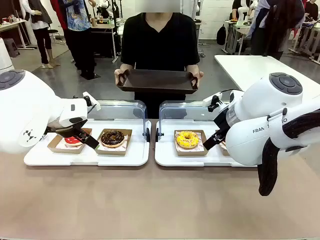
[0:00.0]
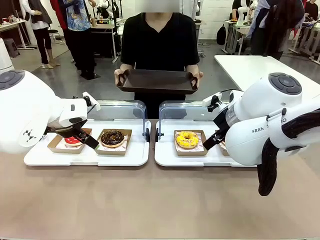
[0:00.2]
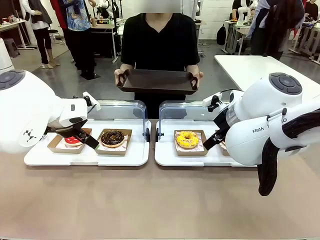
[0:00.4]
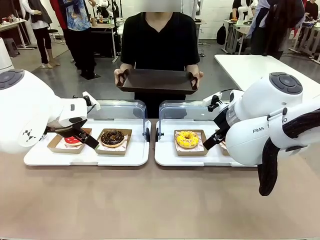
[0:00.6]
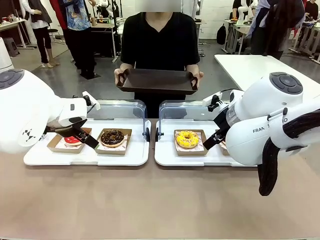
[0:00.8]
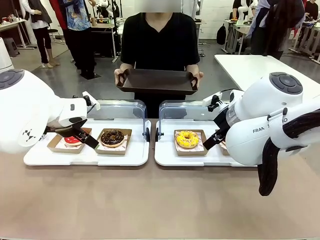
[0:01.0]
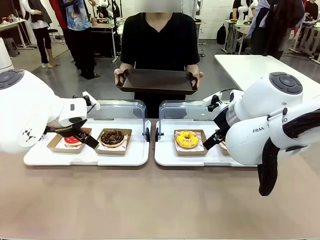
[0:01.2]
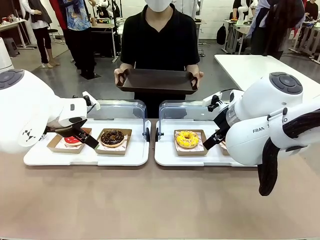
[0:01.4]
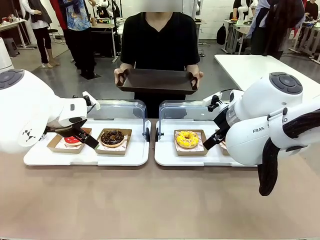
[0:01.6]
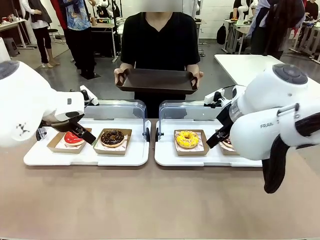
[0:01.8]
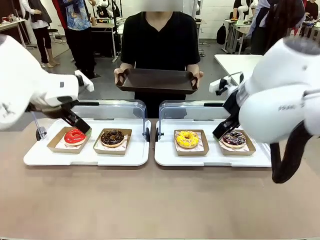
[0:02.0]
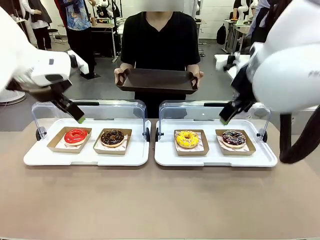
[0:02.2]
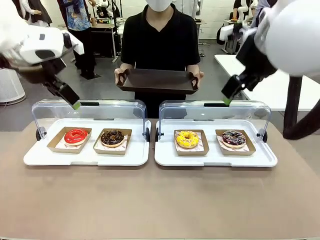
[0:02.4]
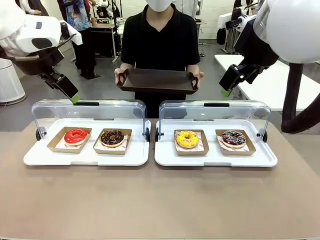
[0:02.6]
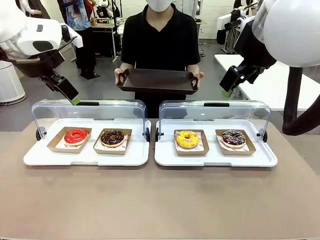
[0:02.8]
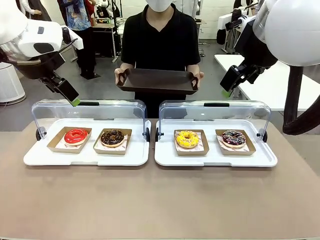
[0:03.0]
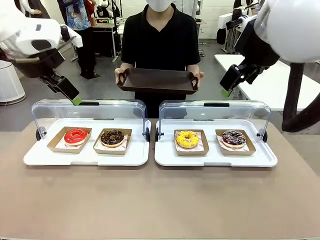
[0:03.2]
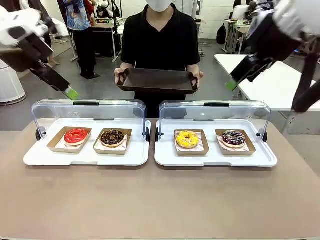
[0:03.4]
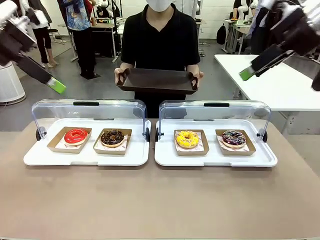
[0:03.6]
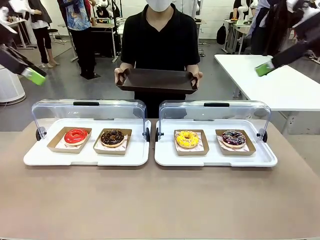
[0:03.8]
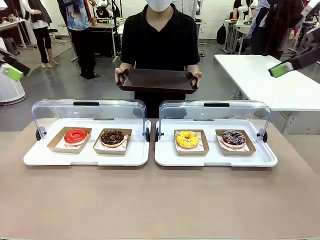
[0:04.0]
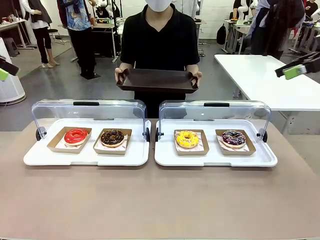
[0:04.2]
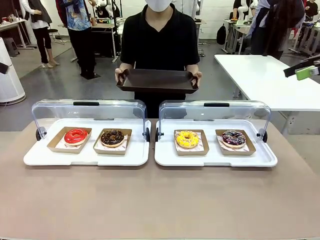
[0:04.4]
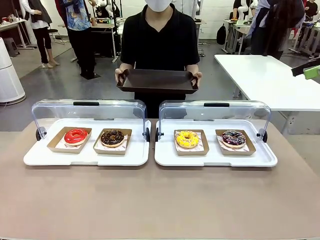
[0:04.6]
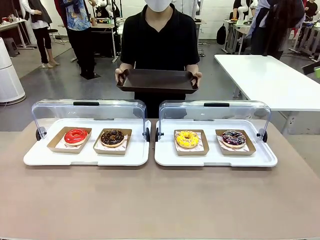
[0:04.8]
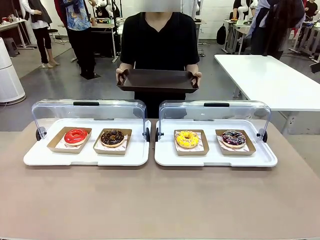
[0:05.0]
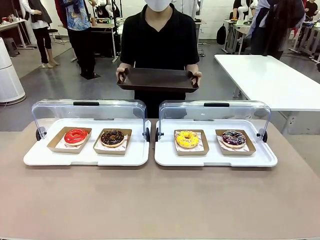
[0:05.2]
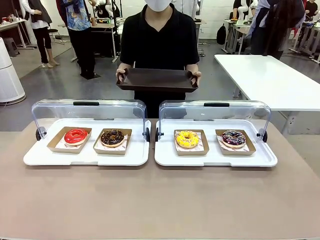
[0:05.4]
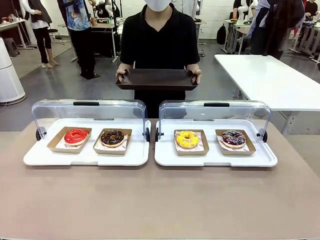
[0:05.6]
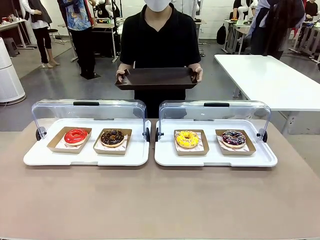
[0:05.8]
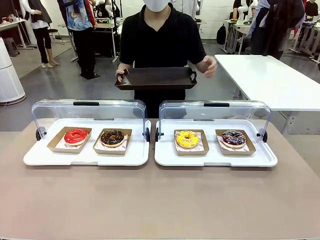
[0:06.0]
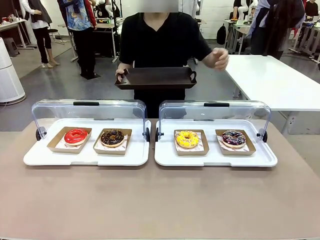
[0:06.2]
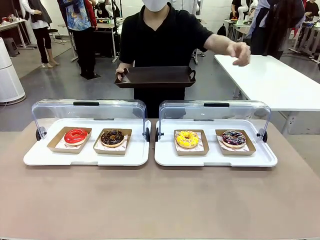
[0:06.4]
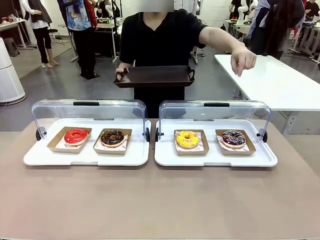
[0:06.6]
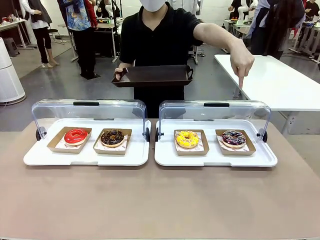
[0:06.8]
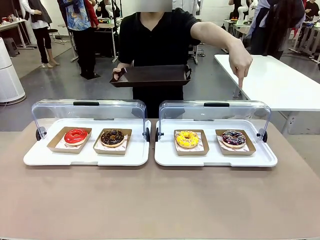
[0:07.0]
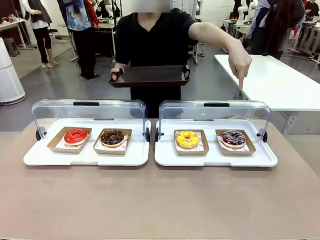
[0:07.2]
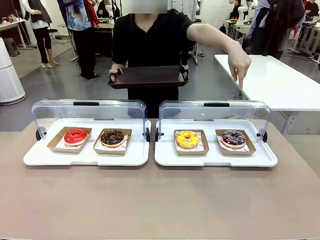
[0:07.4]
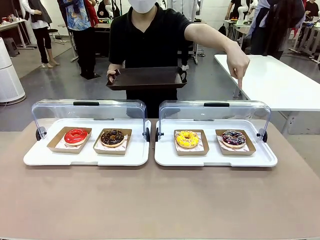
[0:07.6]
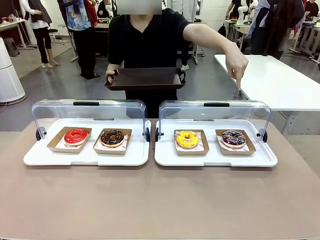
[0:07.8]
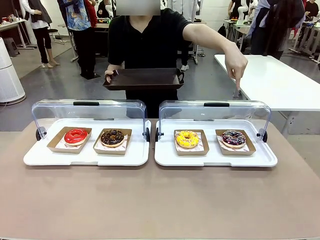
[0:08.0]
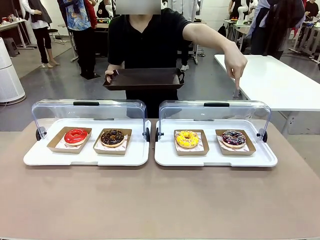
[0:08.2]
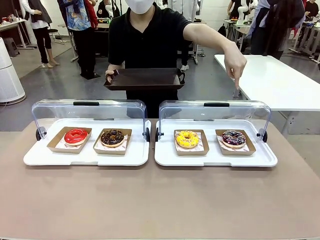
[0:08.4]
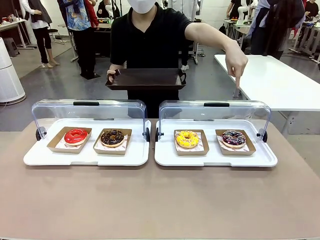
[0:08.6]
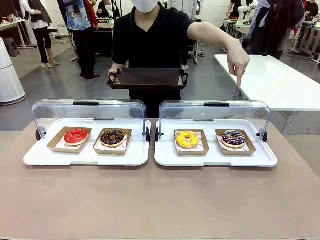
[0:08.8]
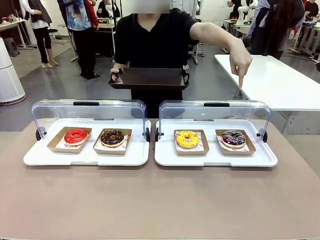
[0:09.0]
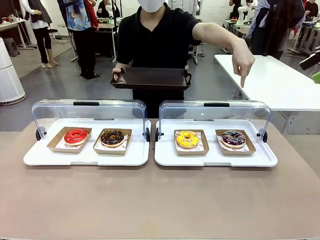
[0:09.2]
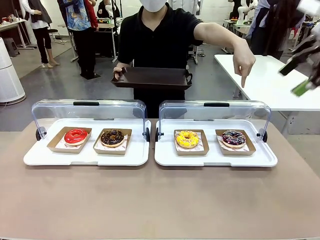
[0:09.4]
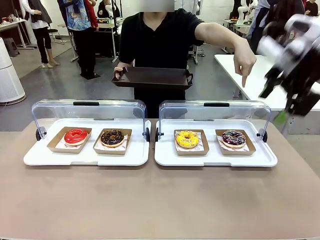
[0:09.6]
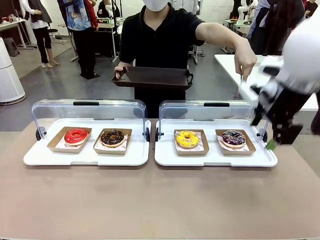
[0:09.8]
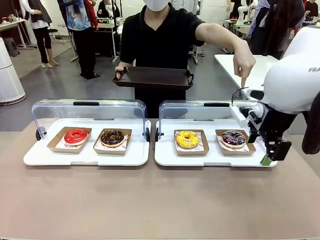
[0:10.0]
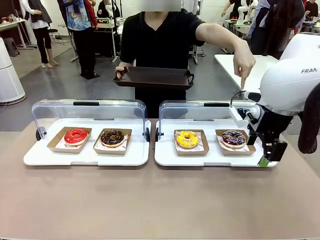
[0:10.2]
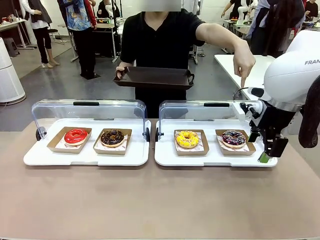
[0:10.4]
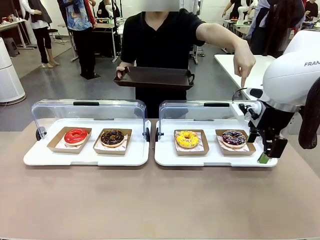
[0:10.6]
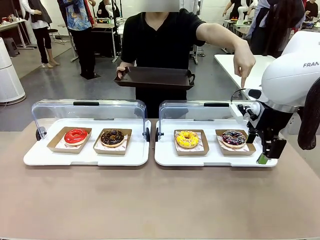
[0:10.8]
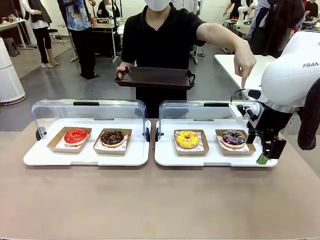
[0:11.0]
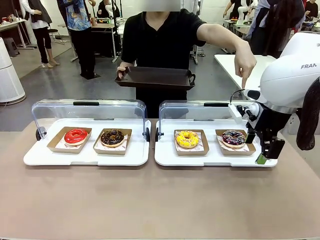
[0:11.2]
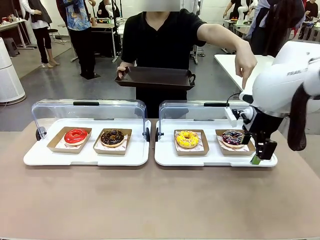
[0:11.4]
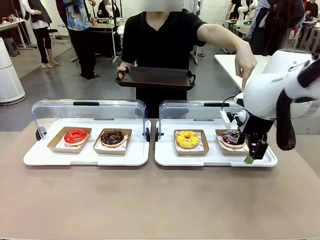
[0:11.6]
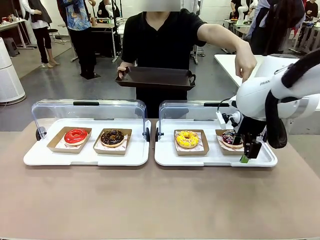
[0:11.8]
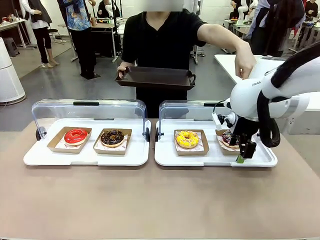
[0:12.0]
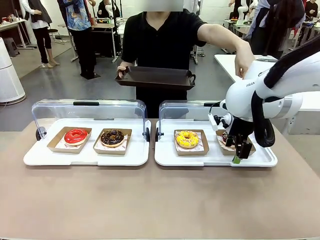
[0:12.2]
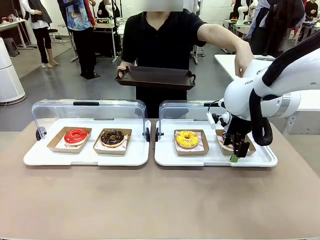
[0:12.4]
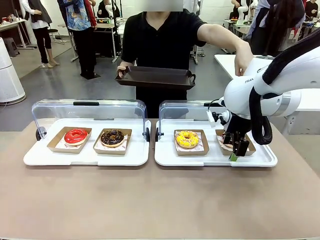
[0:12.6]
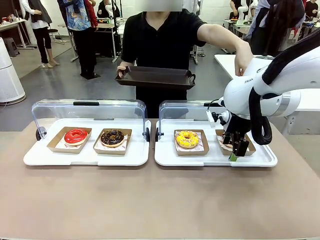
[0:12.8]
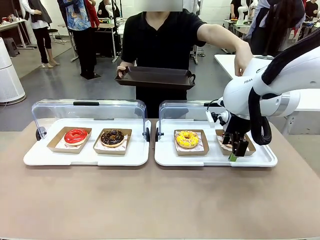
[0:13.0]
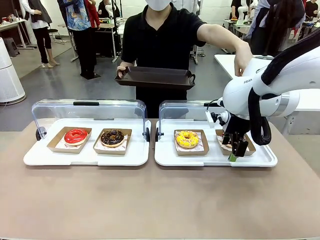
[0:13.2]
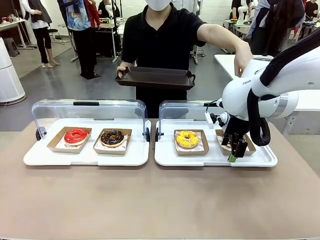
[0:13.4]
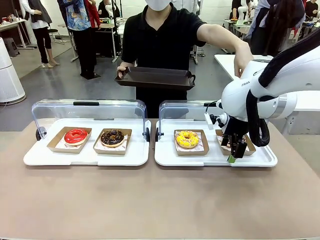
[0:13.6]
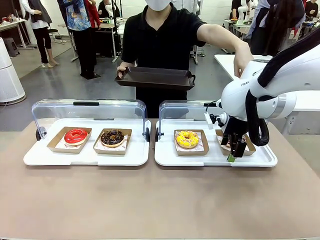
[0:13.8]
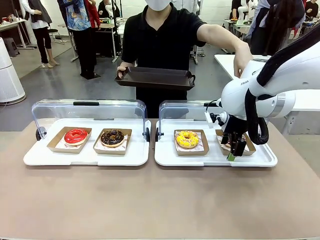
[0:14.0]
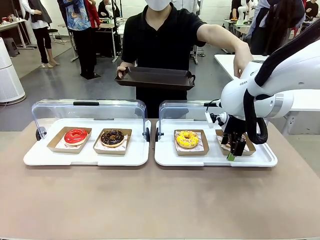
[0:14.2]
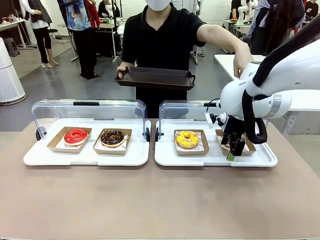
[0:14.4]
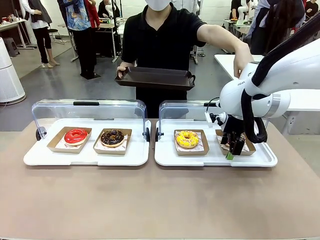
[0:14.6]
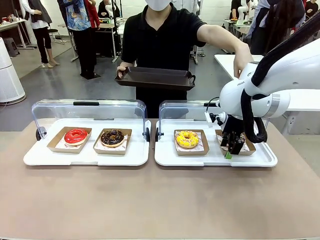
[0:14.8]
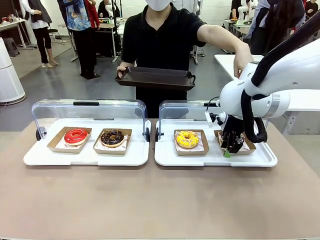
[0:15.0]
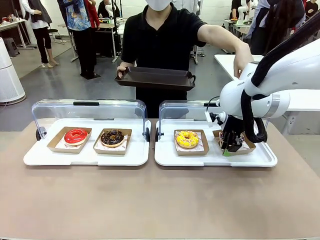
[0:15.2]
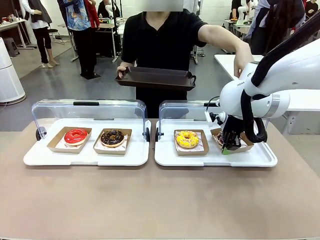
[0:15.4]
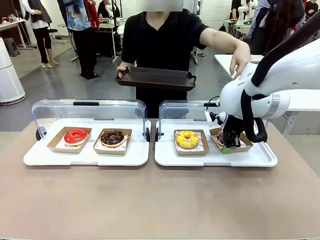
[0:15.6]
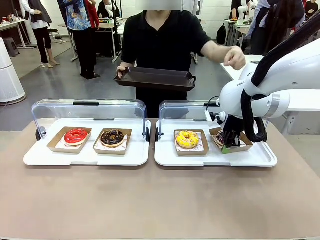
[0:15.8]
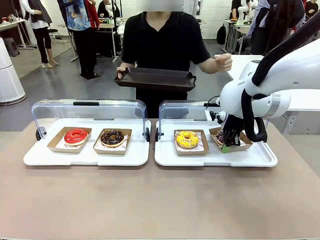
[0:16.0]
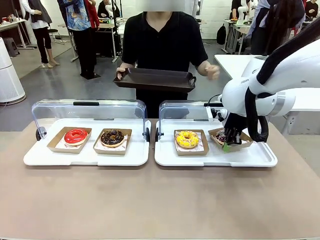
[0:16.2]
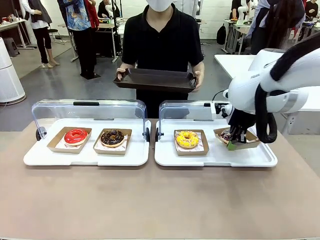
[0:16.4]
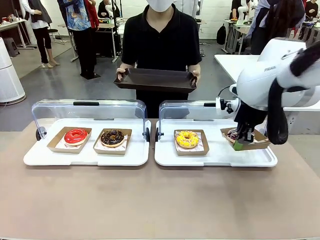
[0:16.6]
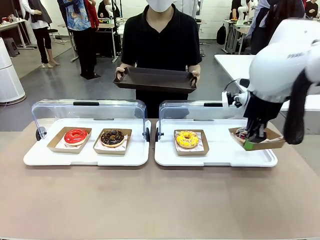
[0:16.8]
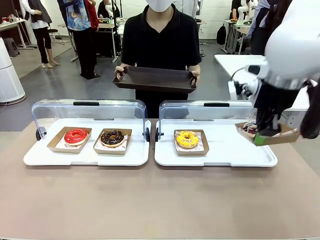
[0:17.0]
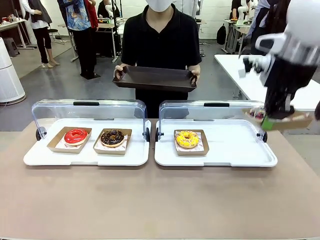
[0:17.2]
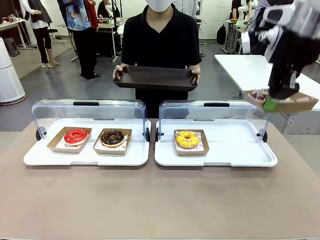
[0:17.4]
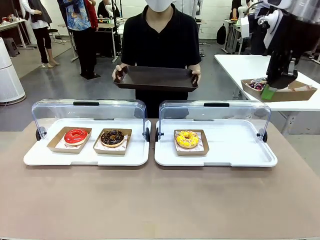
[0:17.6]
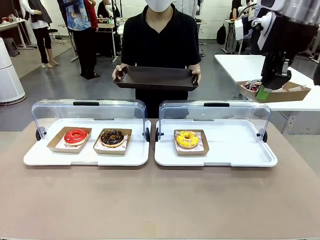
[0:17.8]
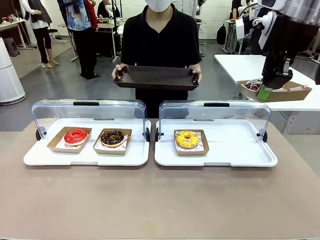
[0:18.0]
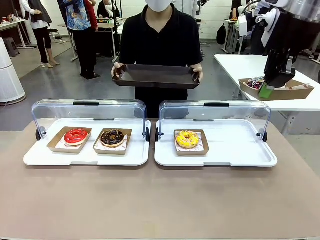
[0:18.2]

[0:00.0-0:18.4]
Task: Provide the desired donut to the person.
Robot: Pick up and lift the Paper togo box containing the Donut pointed at by the person.
Person: Point to one donut. Lift the tray onto the Roll-Top Bakery Case.
